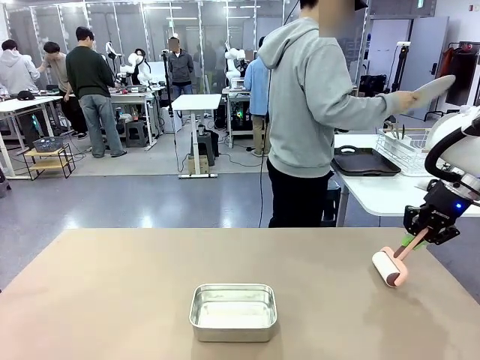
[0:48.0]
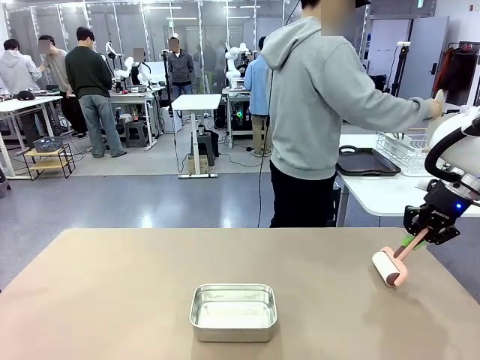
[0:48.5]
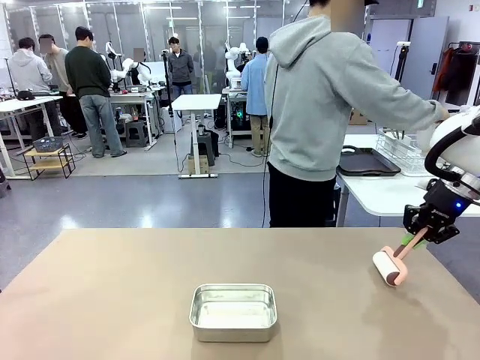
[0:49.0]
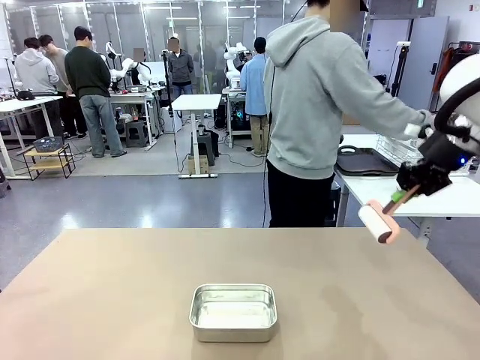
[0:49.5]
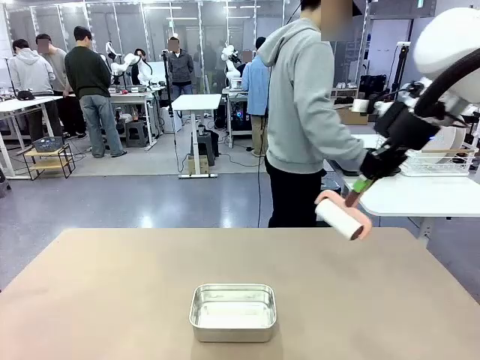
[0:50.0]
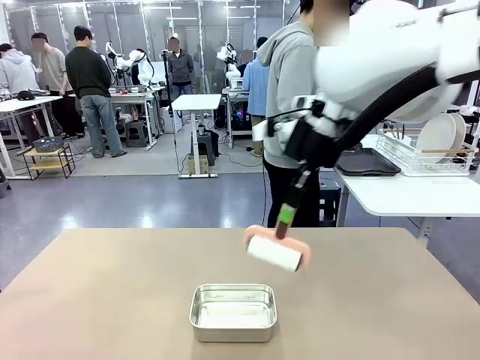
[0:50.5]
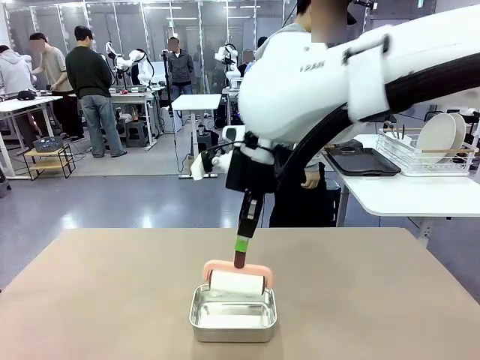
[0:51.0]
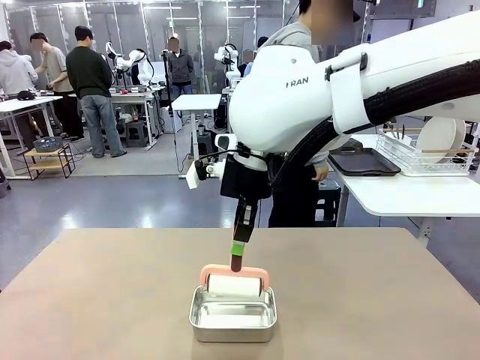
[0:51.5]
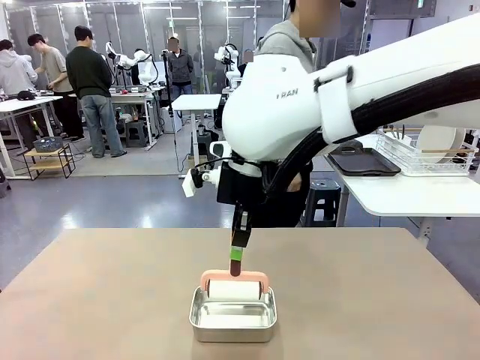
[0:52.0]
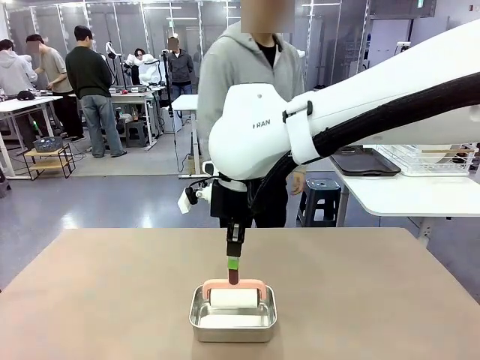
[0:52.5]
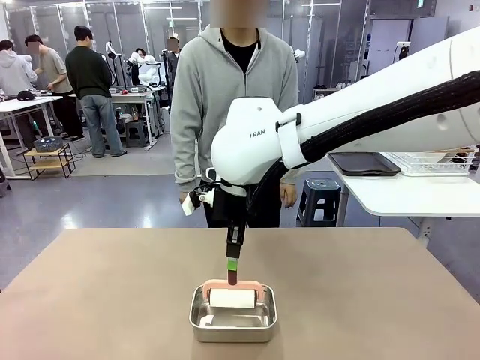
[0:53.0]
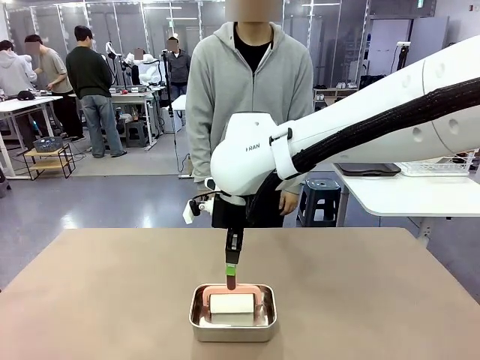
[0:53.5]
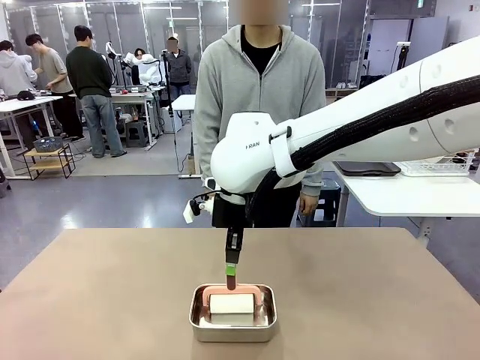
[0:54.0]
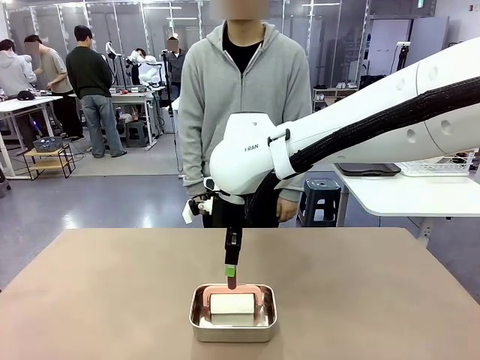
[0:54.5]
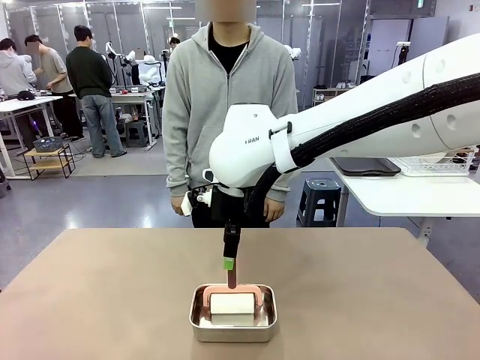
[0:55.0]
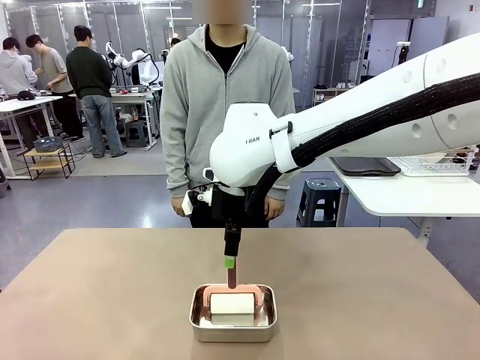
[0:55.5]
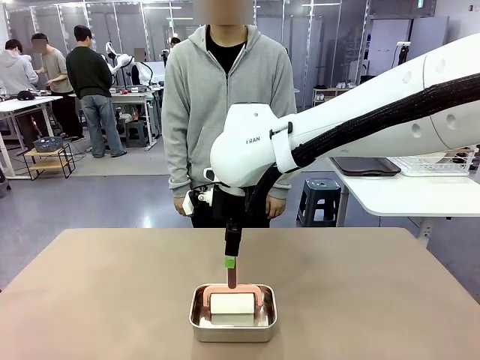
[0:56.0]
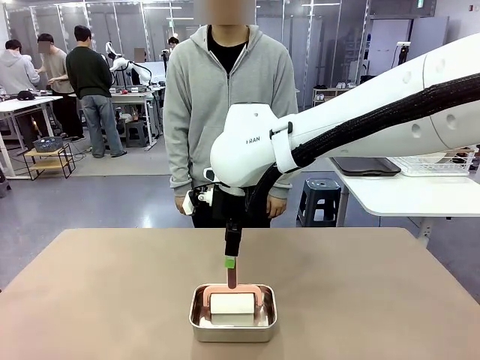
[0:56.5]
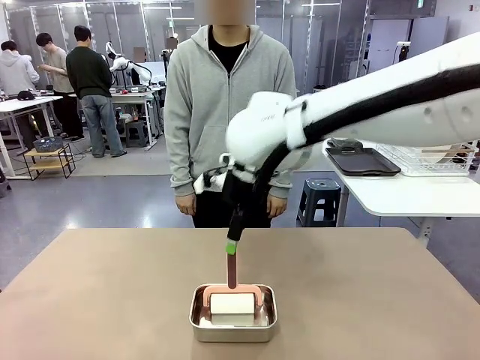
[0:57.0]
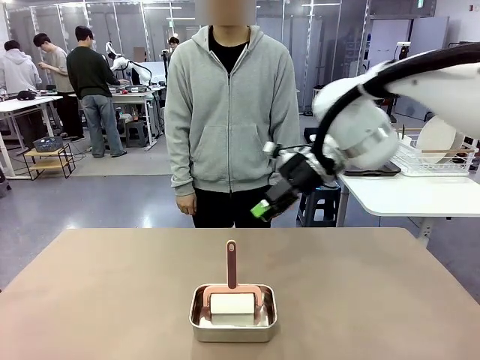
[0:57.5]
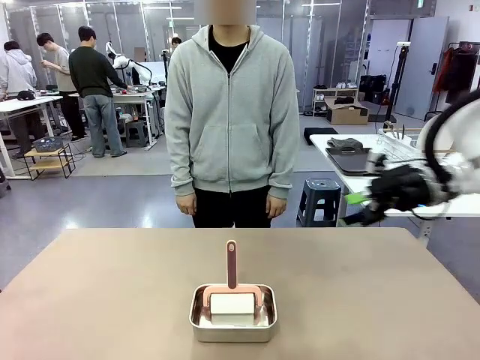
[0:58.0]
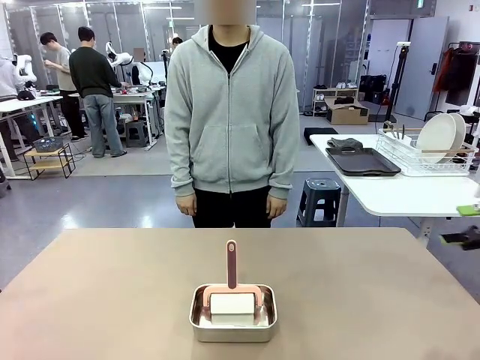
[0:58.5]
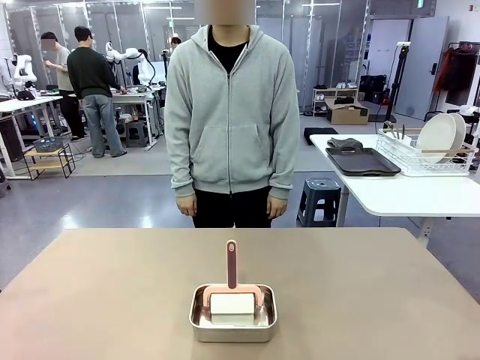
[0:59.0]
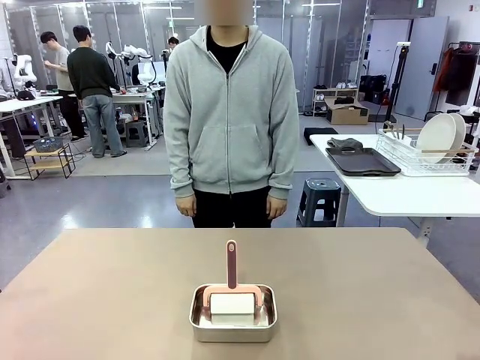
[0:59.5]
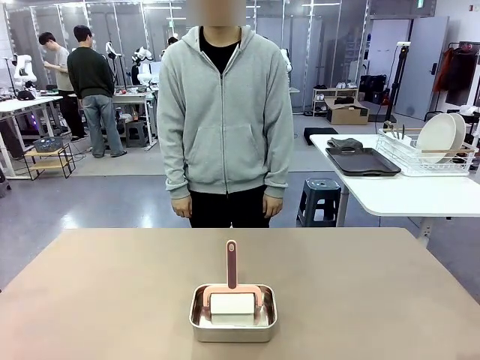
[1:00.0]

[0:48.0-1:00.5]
Robot: Place the Lint Roller back on top of the Airtight Container.
Person: Use the Towel with hook to wipe the Plastic Matte Plate , Fork , and Knife and place into the Dish drying rack.

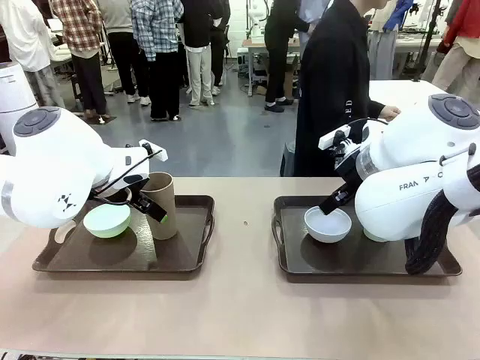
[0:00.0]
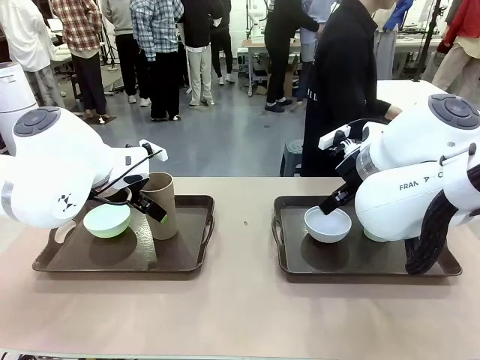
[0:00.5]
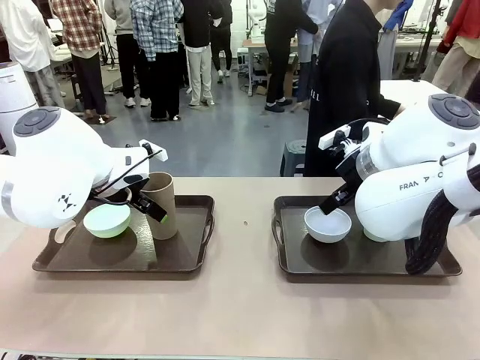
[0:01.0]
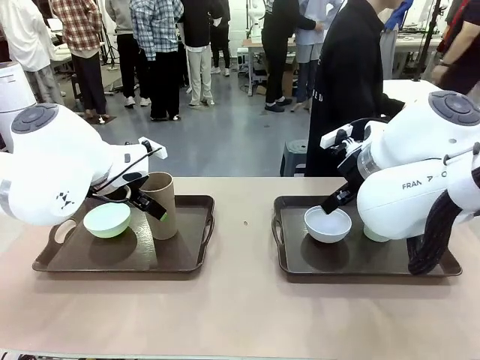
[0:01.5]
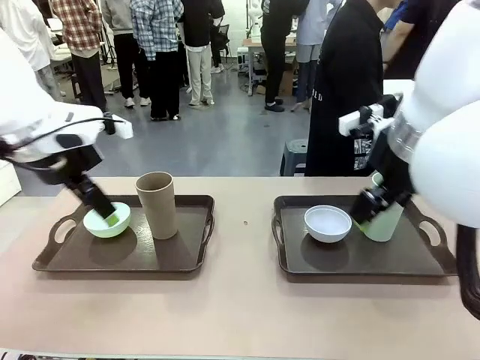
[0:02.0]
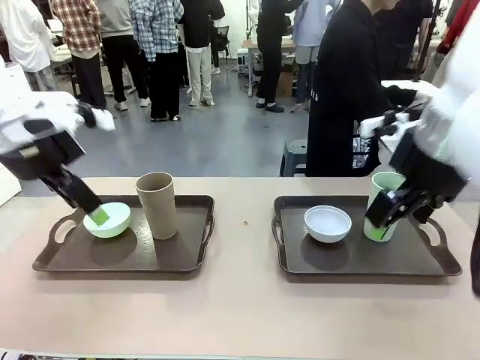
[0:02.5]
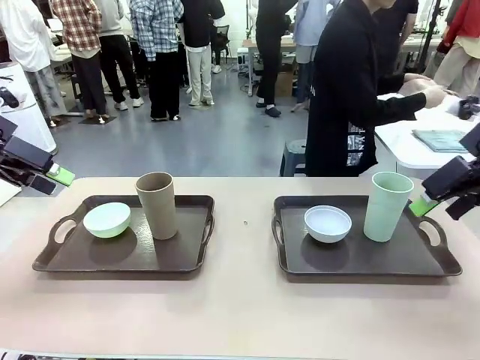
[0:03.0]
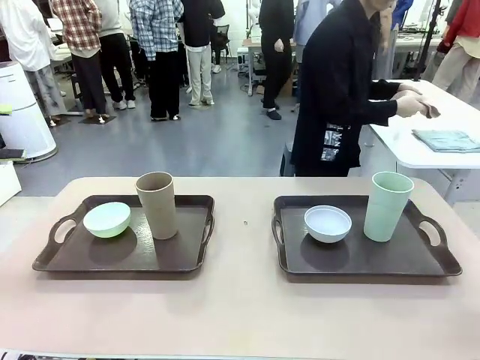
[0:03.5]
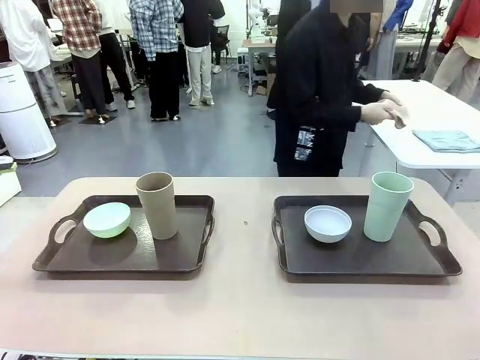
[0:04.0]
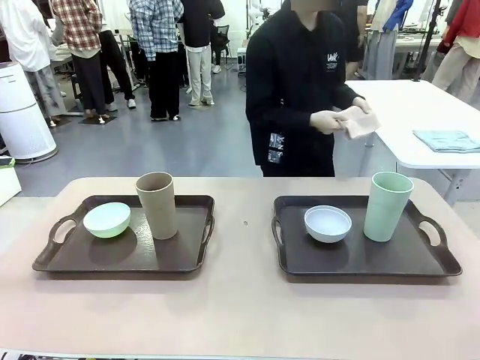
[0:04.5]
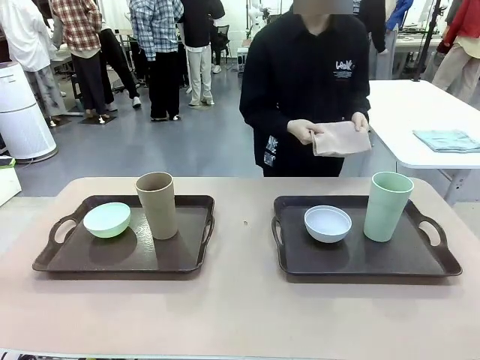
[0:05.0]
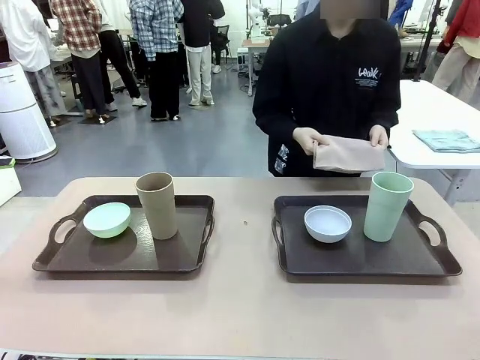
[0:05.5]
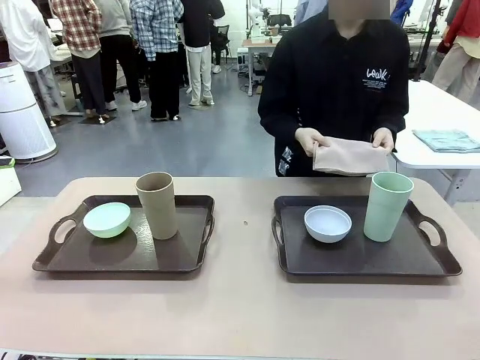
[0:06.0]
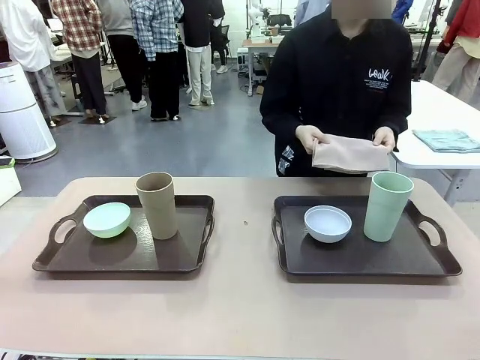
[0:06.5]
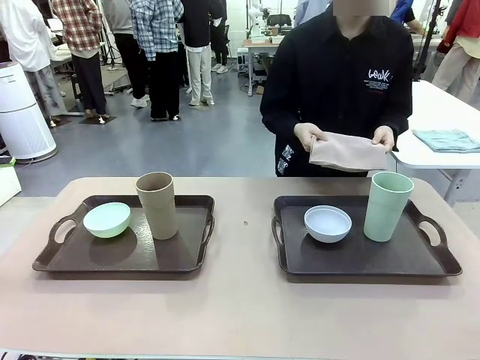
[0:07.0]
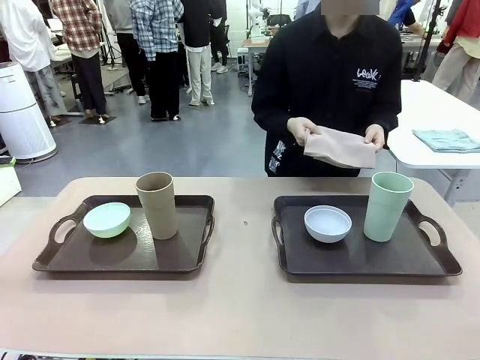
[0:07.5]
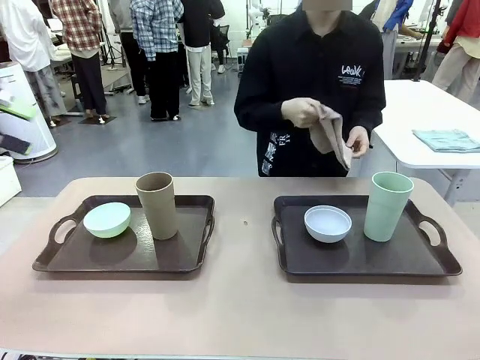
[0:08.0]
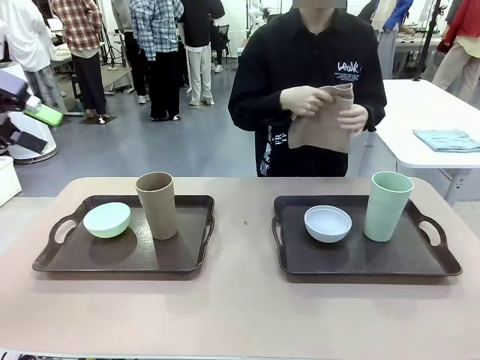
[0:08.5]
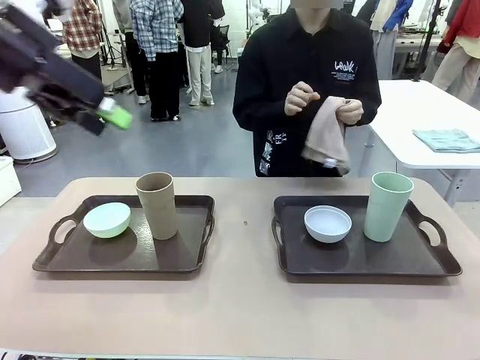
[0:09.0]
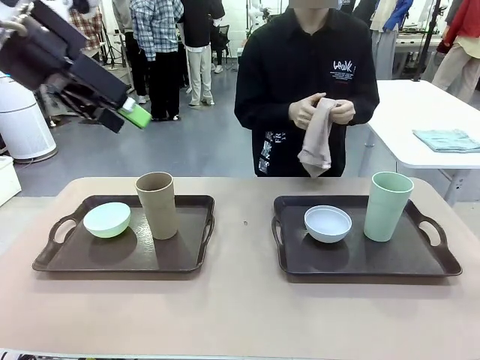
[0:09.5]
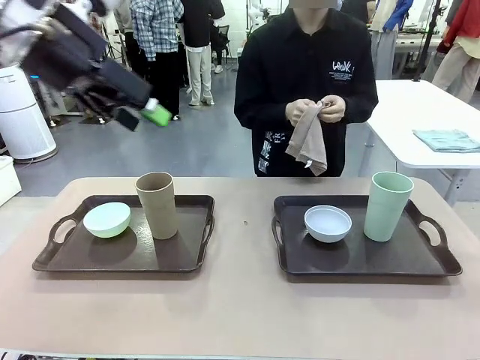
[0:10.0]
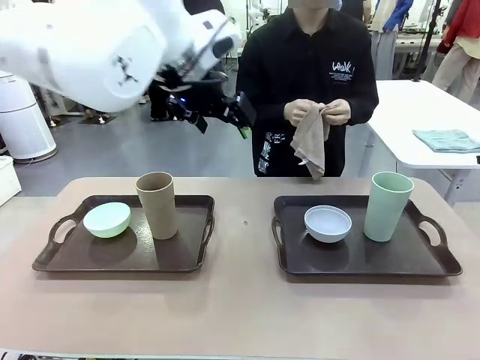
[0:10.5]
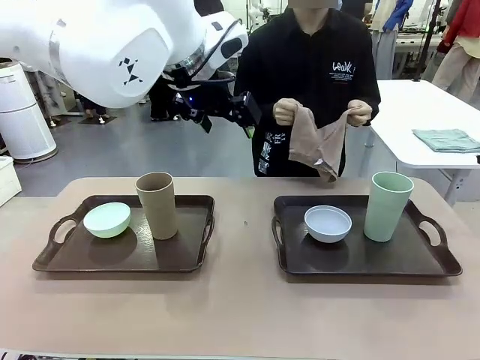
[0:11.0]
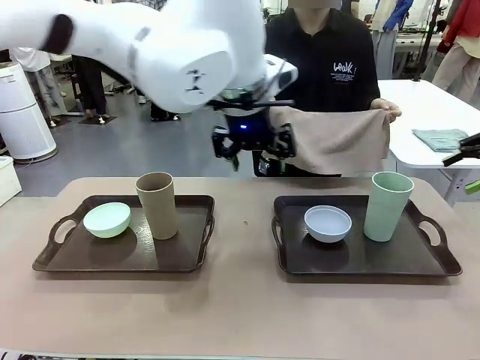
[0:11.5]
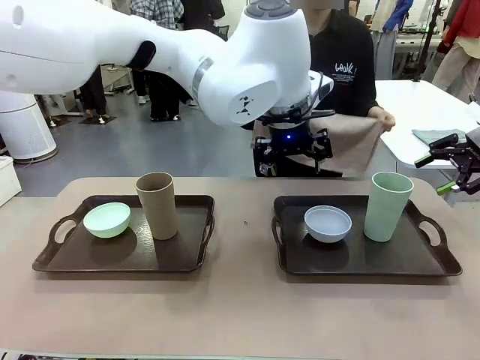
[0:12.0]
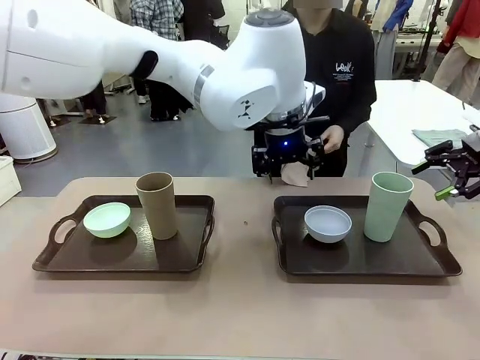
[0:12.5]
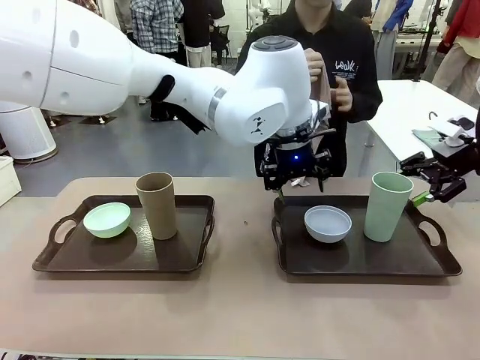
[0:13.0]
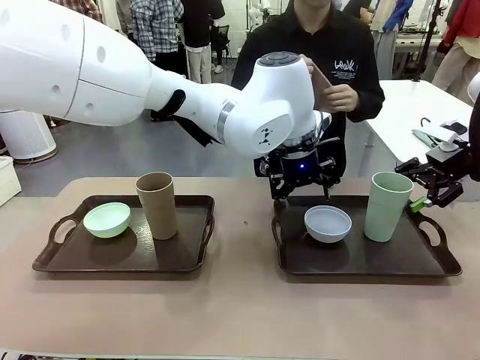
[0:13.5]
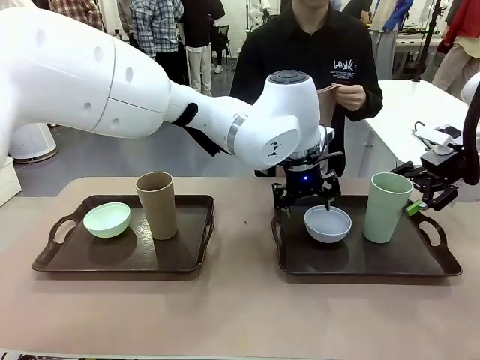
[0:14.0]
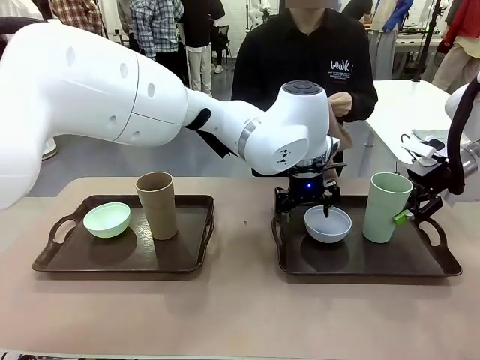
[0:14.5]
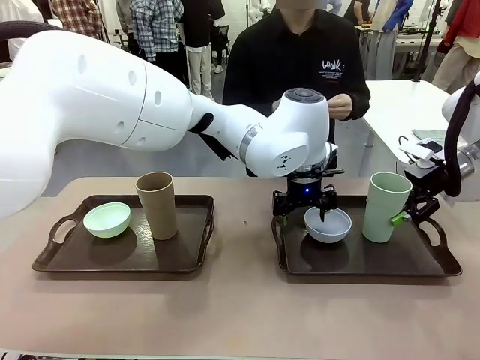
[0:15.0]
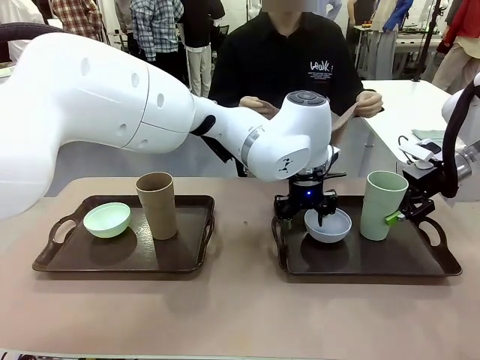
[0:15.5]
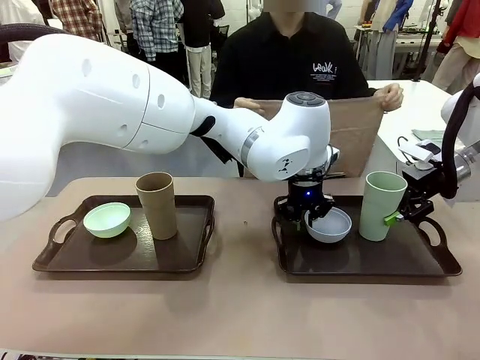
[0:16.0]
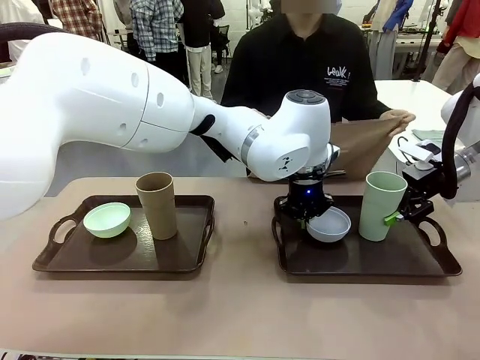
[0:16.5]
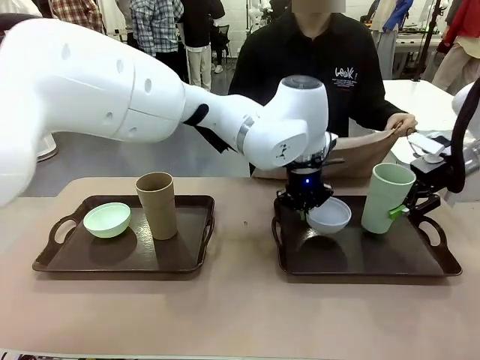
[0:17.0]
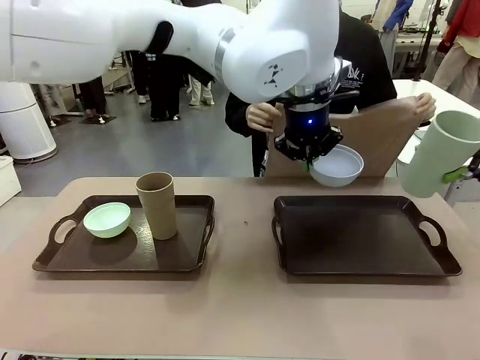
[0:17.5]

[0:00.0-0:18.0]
Robot: Pick up the Picnic Bowl and Reusable plastic cup from the Handle tray in front of the human's position and hold them in the air.
Person: The human picks up the top napkin from the stack on the human table and walks to the robot table to stand in front of one of the two trays. When the robot lifts the bowl and the cup, the human unfolds the napkin and lays the napkin flat on the tray.
